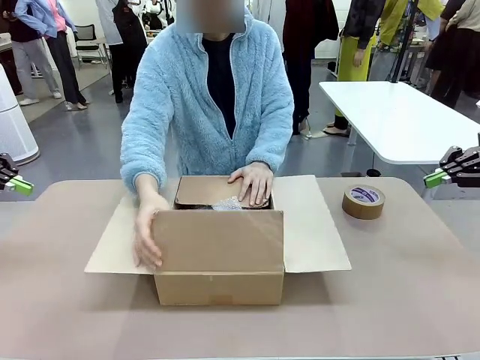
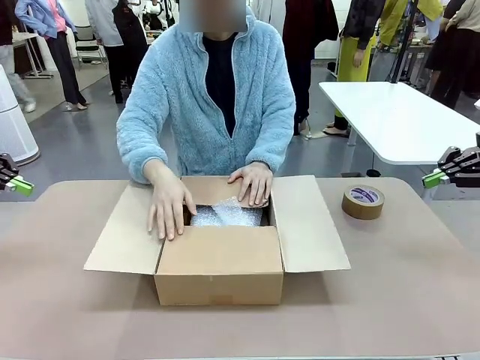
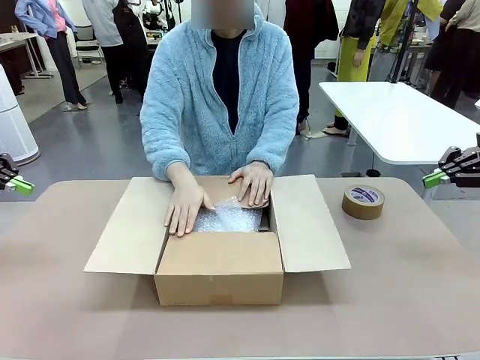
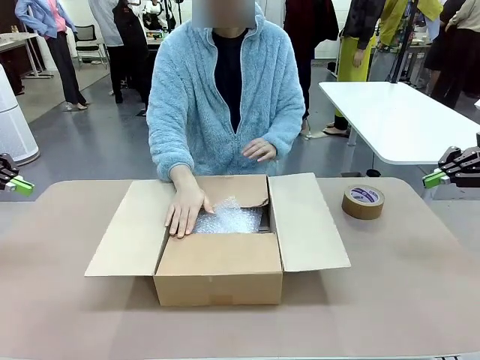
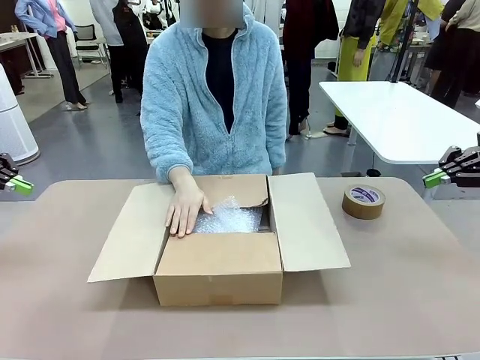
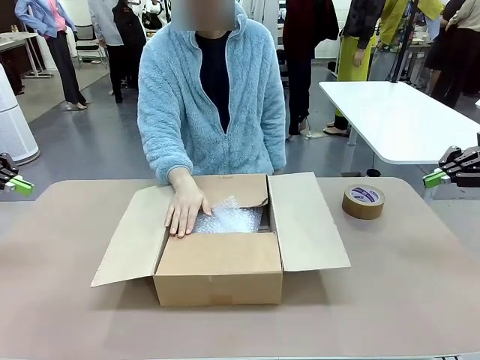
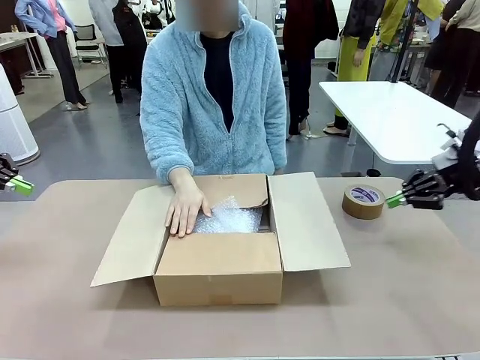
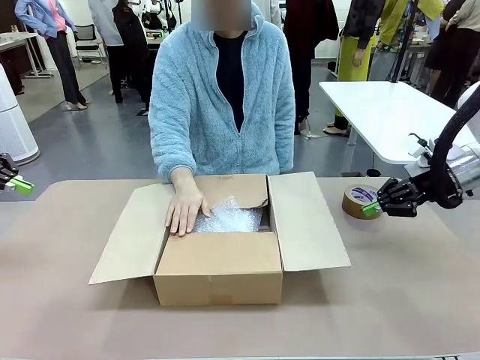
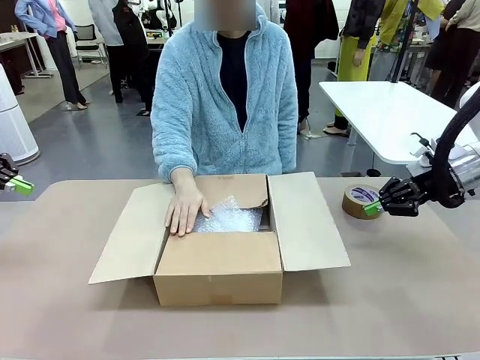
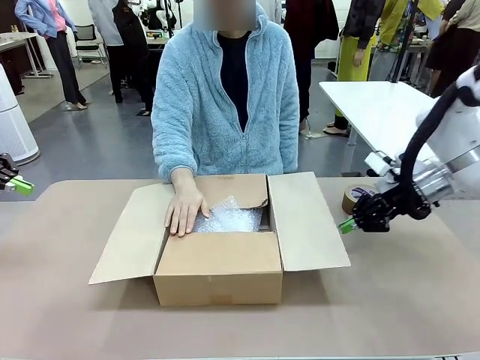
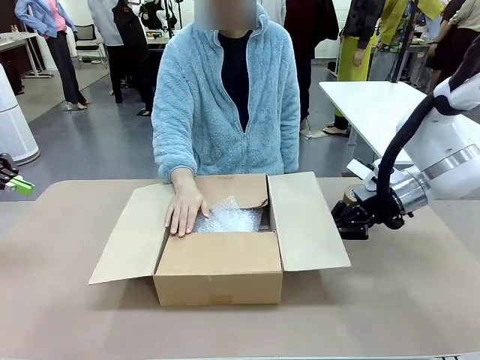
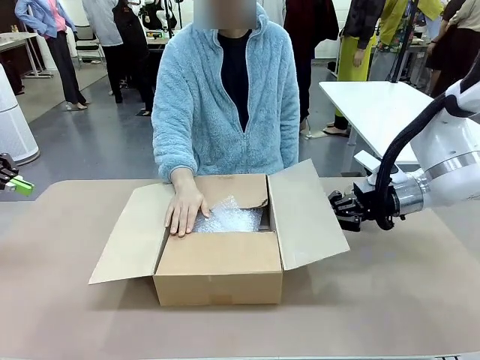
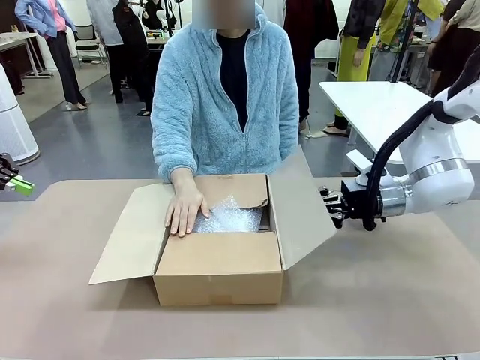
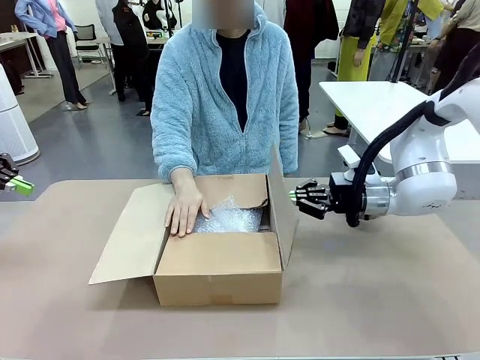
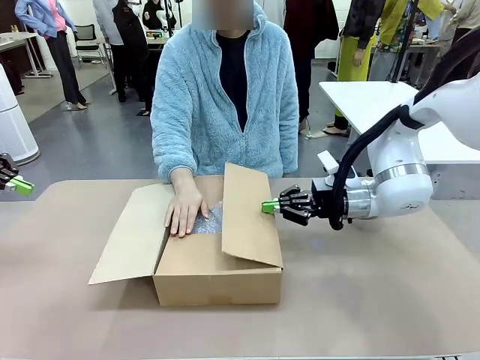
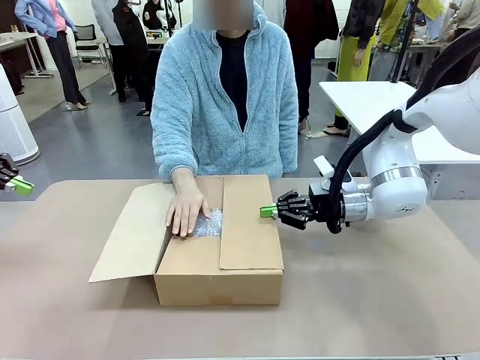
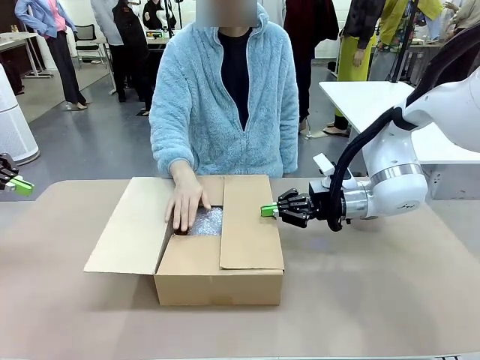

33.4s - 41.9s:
Task: Wrap the clocks to prevent damage.
Robot: Push the right (or left) flap of the Package Box to close it.
Person: Once the robot closes the right flap of the Package Box , release your left hand from the box.

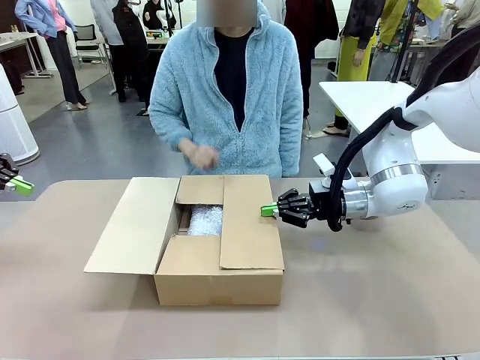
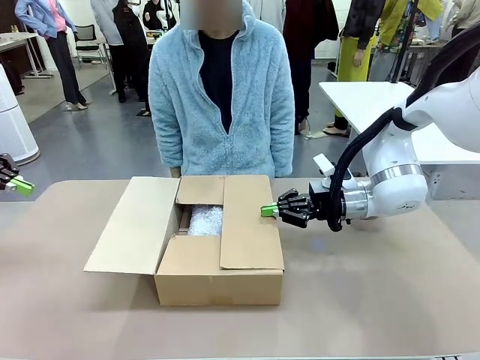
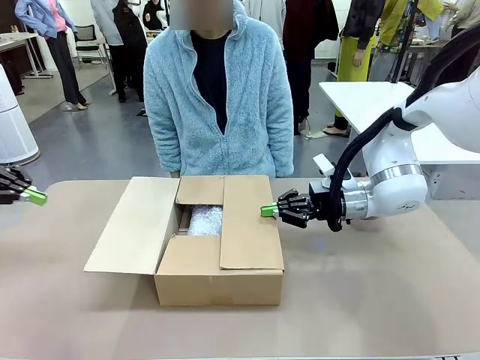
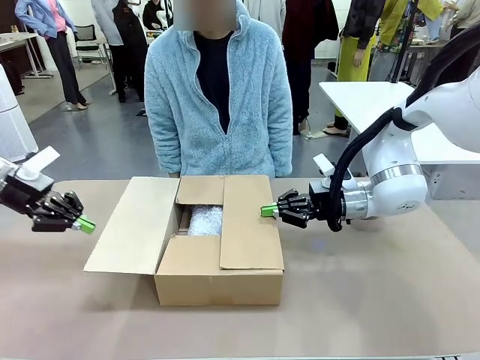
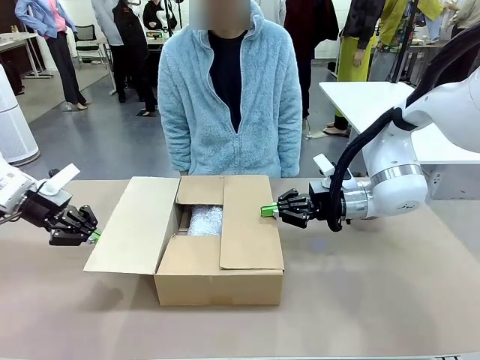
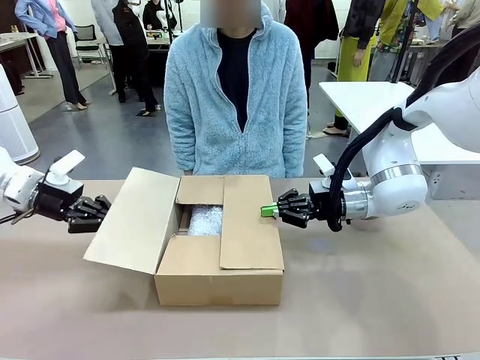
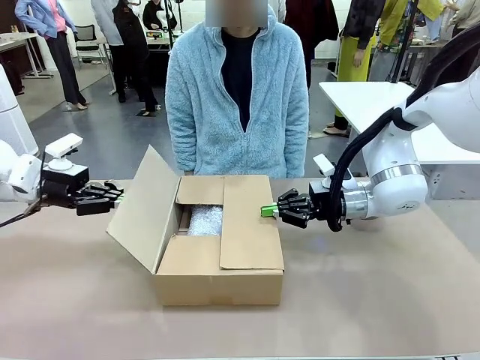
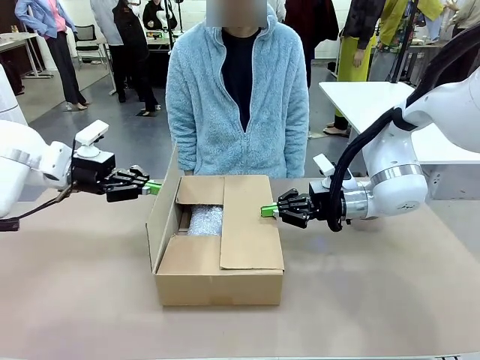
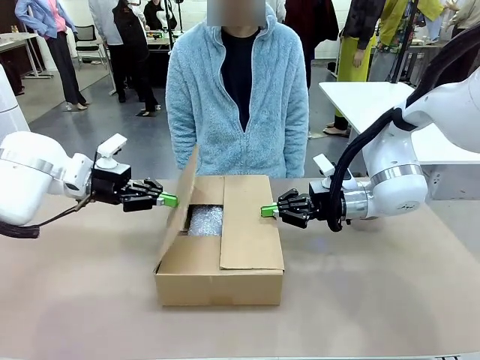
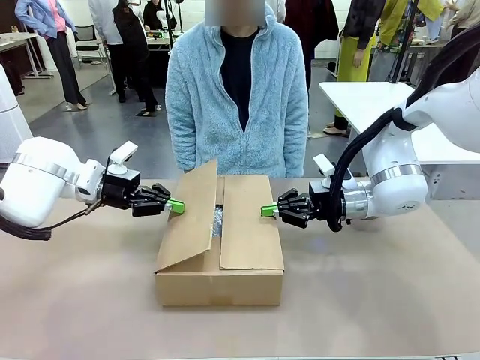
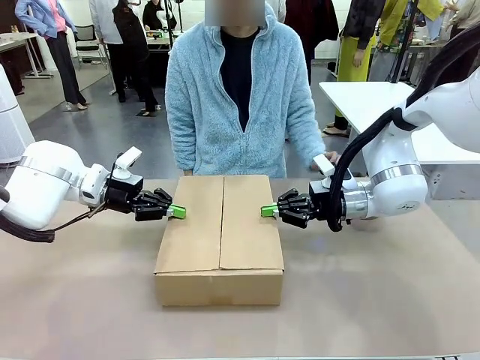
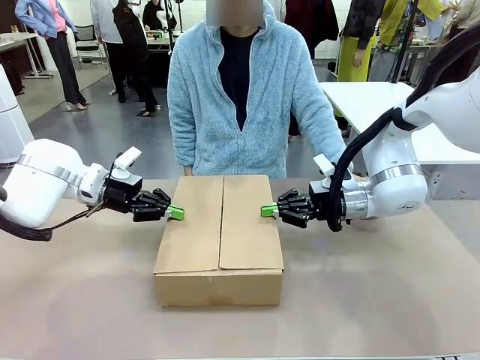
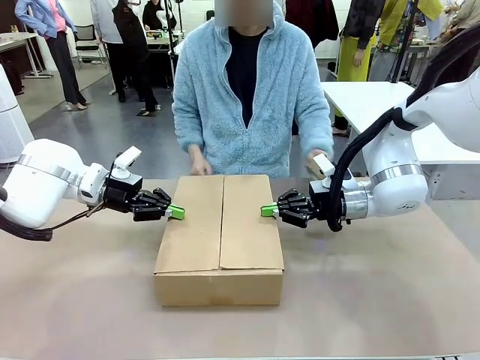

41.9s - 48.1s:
Robot: Push the left (or right) flap of the Package Box to close it.

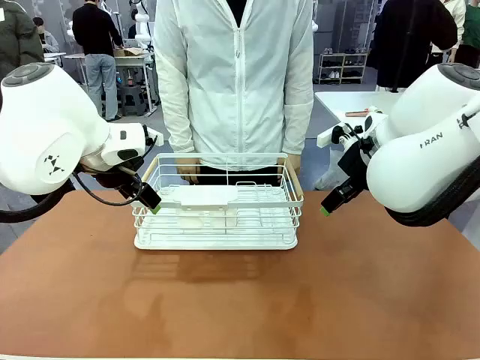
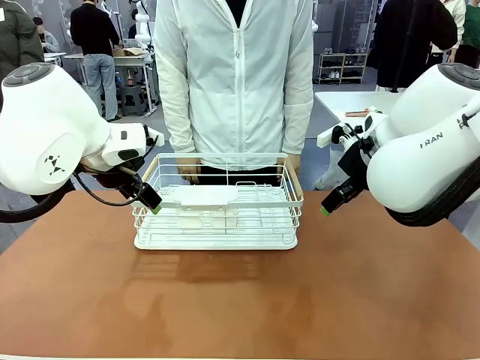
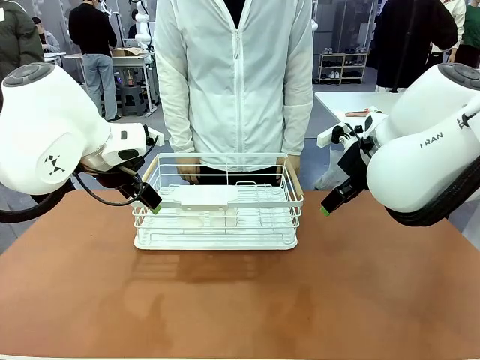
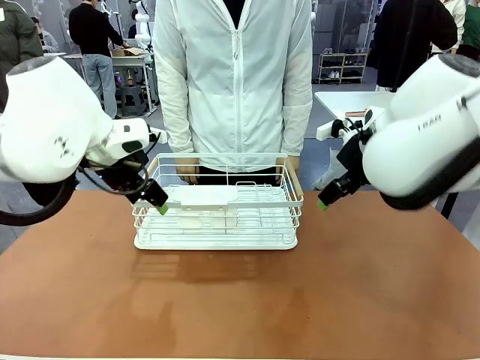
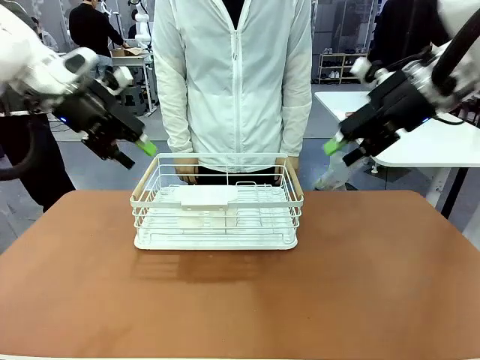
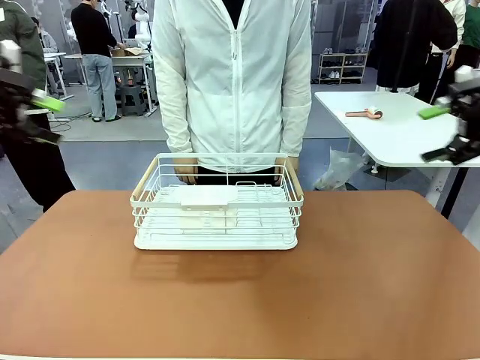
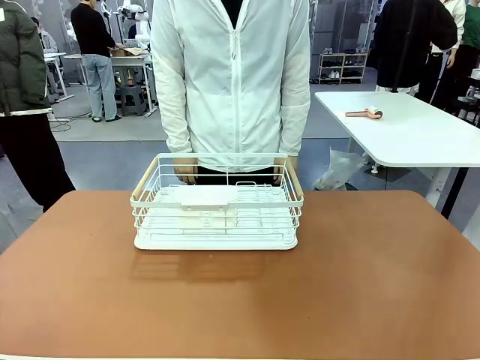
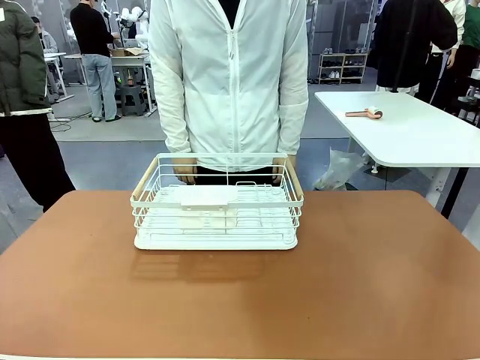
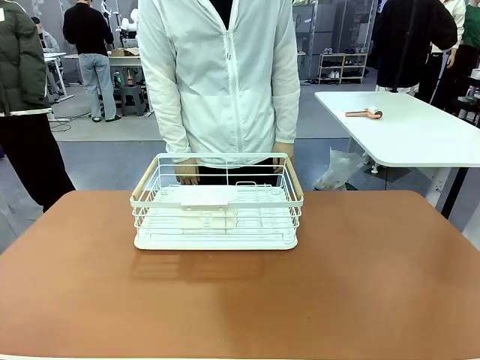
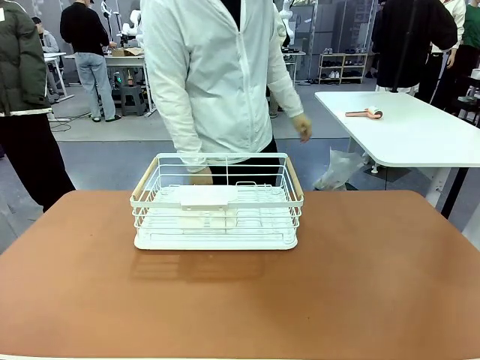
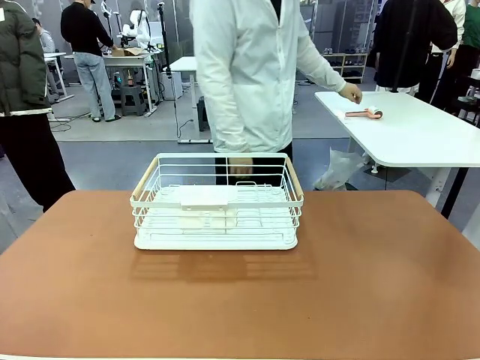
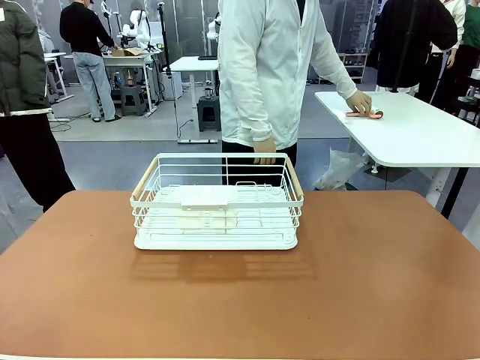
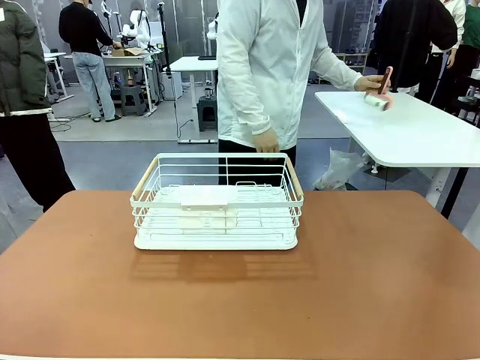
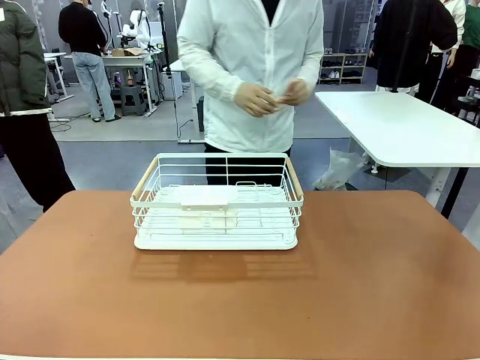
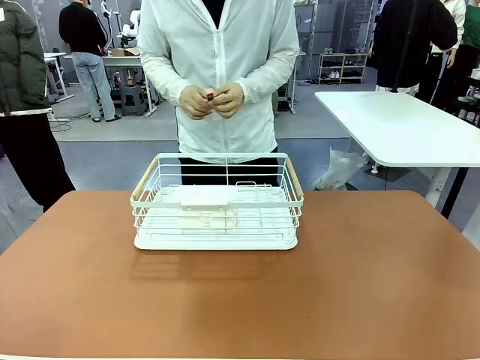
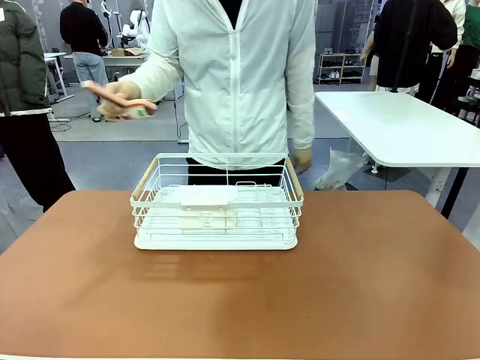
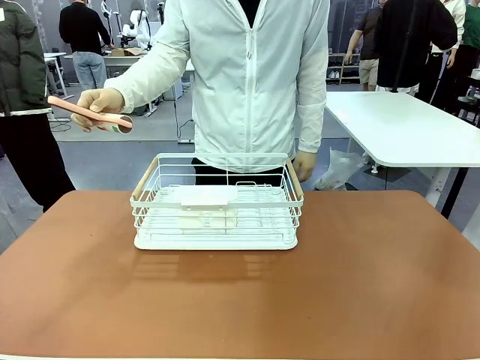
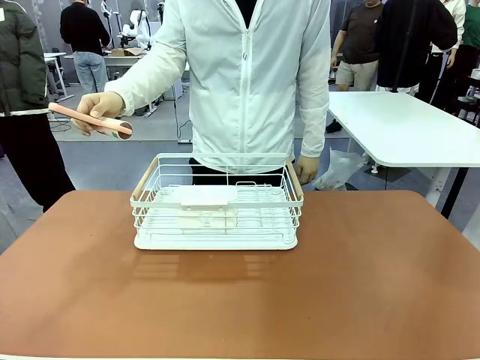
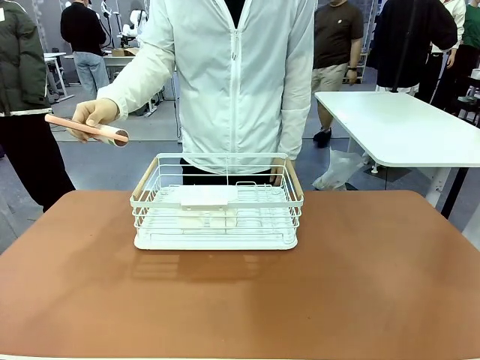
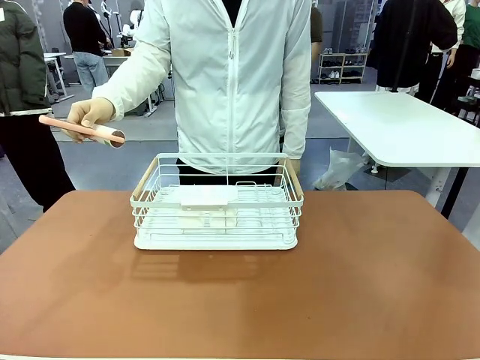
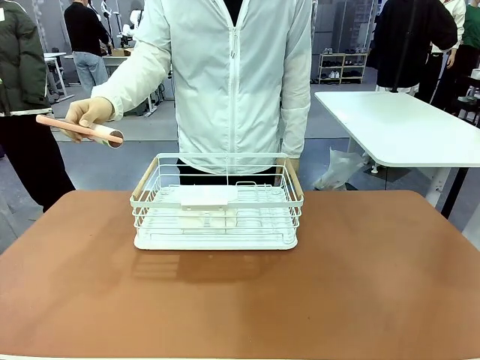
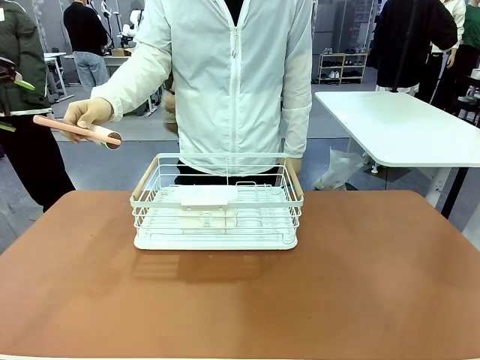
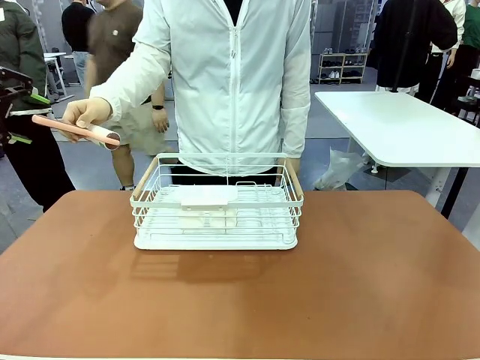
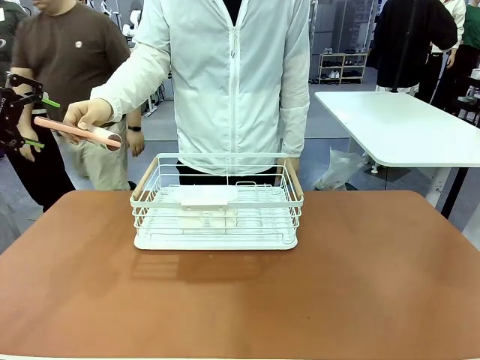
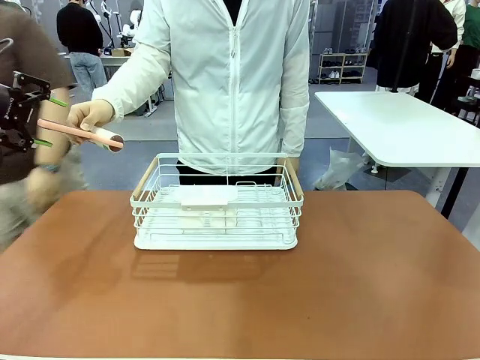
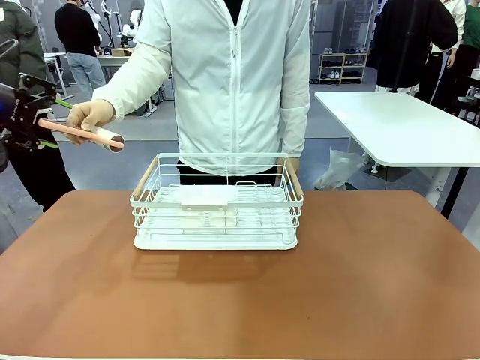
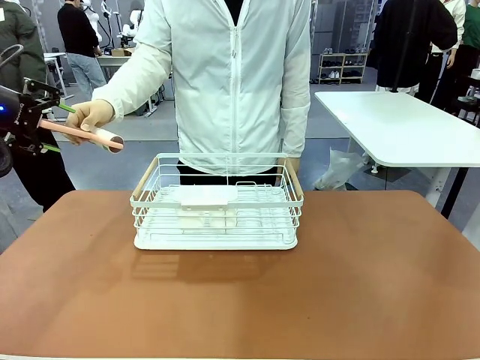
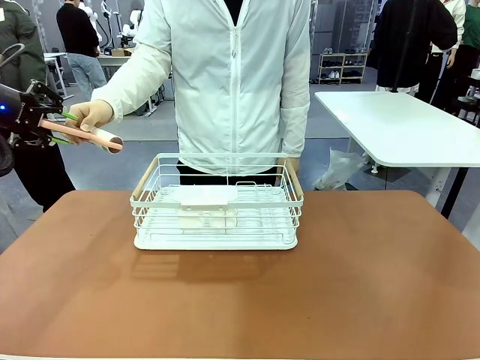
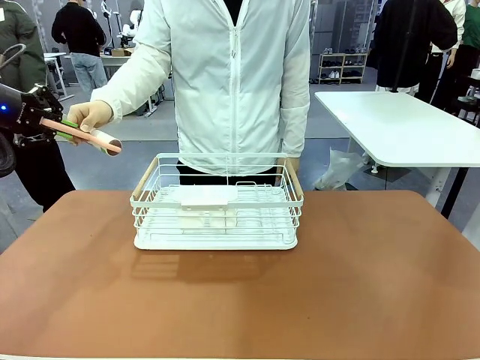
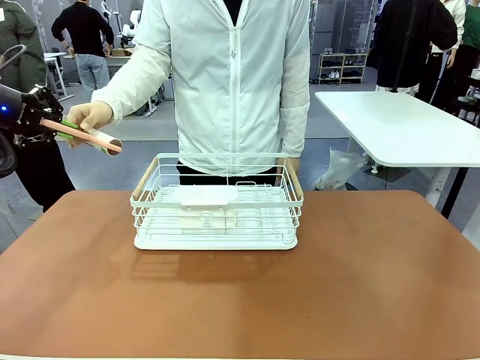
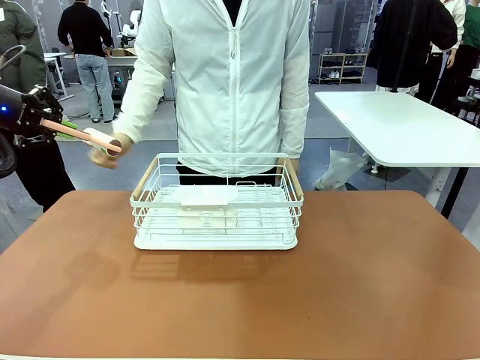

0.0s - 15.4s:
Task: Clean the table.
Robot: Pick up the Lint Roller when the human hands it over.
Person: Hand the Lint Roller to the robot so it can easily pick it up. Lift the Dish drying rack.
